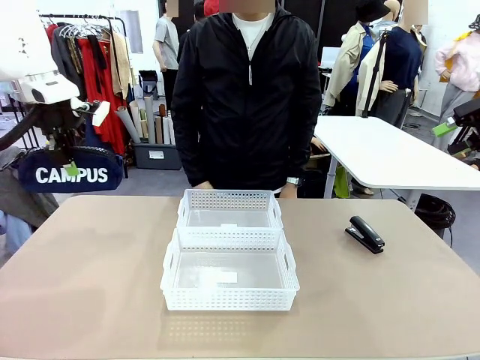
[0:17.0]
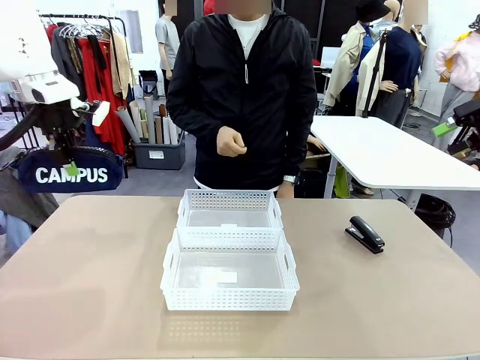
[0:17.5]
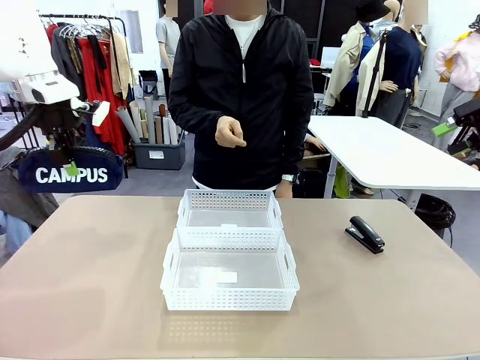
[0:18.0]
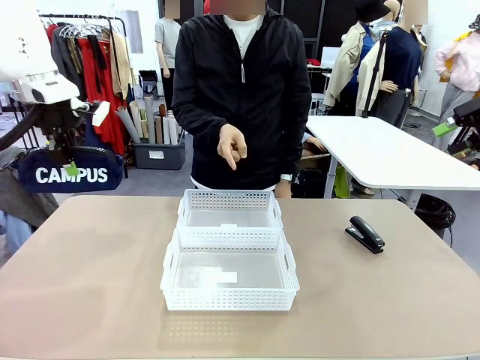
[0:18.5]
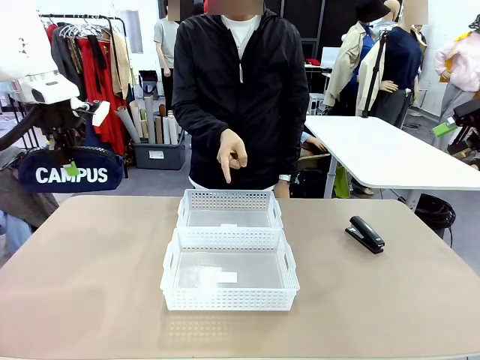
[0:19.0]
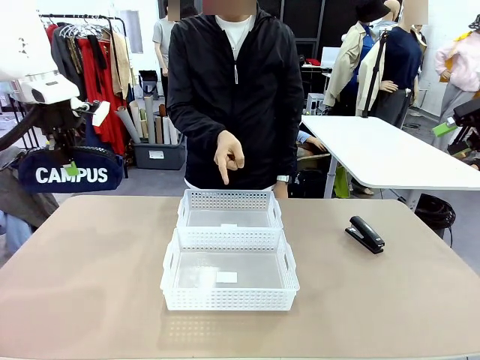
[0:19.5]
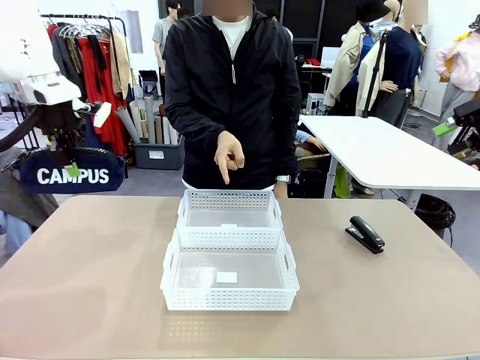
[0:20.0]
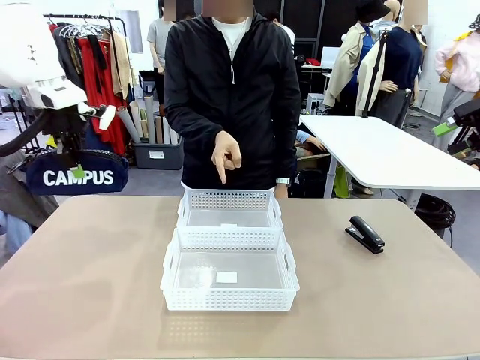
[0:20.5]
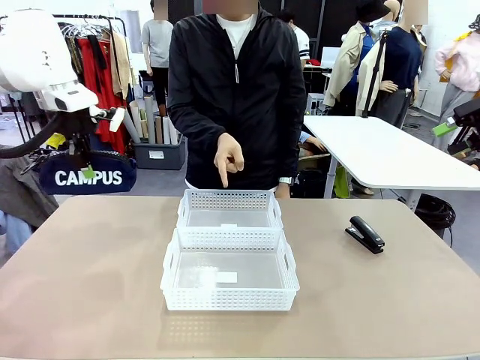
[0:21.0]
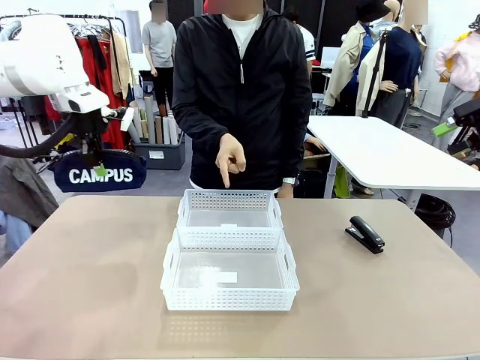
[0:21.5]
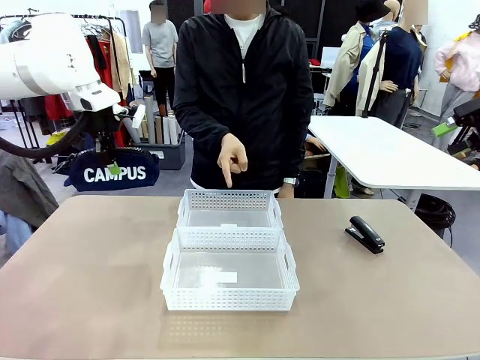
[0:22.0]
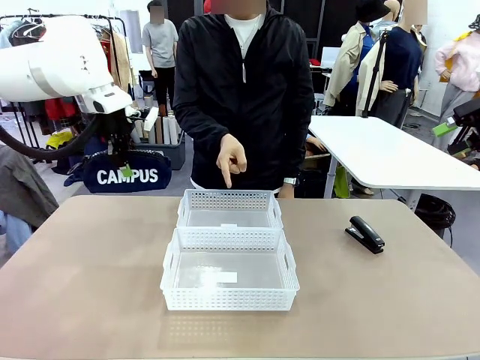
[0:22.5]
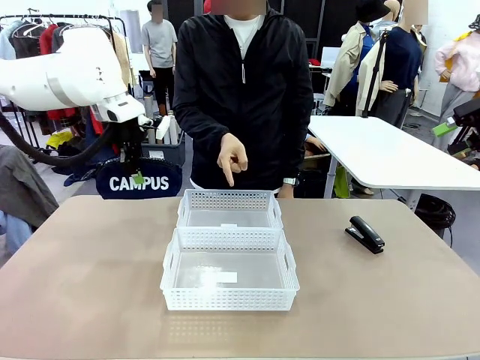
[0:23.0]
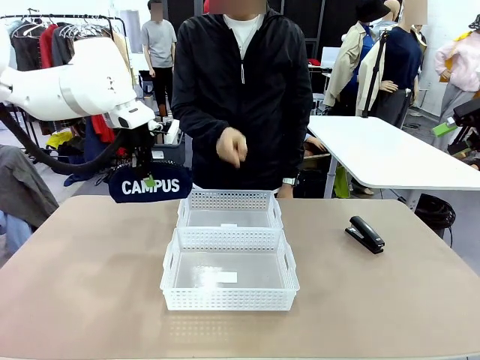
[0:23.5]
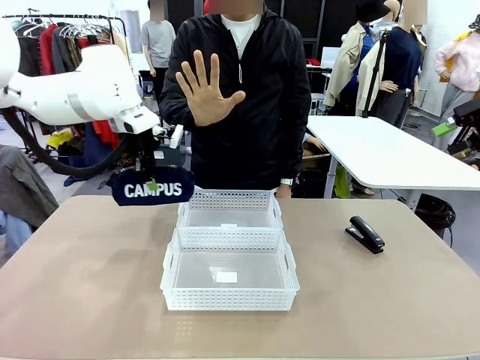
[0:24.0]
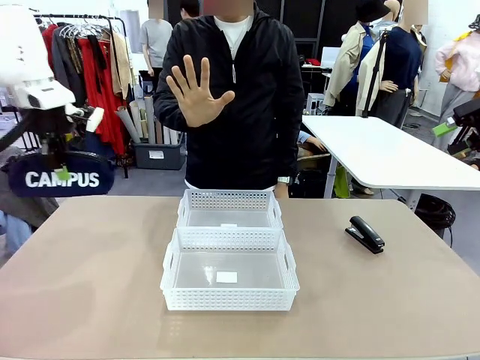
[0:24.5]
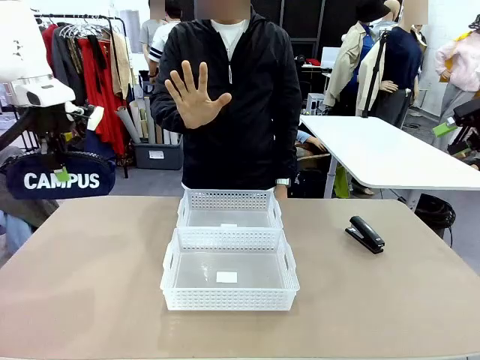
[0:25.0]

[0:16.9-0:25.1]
Task: Distribute items into two baskets.
Robot: Move the picked Pencil pouch towards the Organizing basket indicated by the person, stopping as directed.
Person: Sends a stop gesture before the robot places the pencil case into the basket.

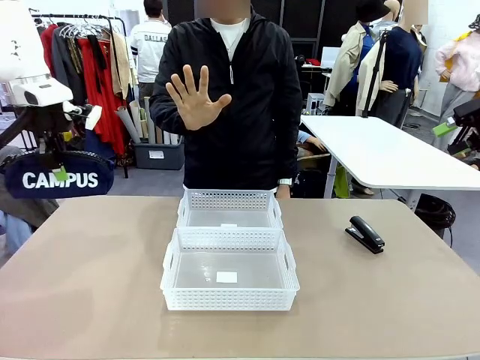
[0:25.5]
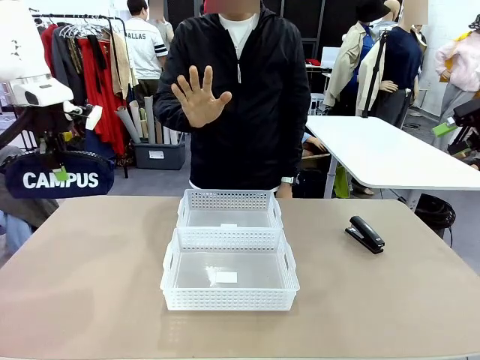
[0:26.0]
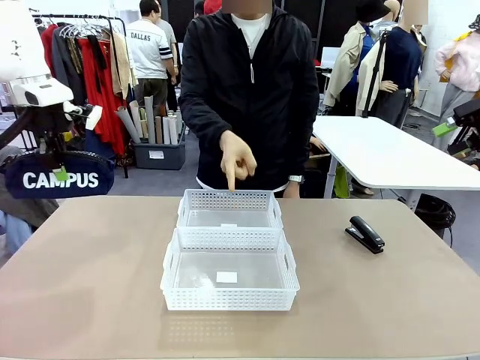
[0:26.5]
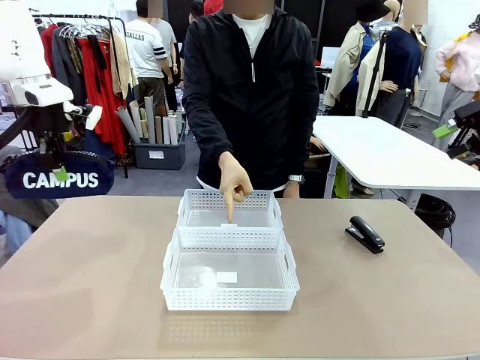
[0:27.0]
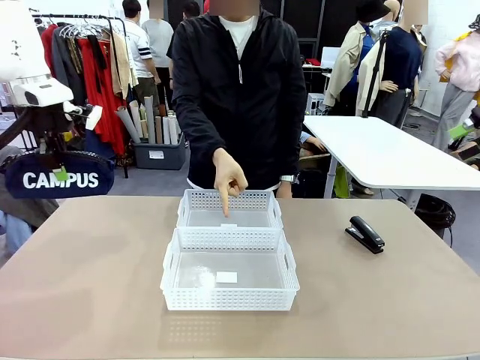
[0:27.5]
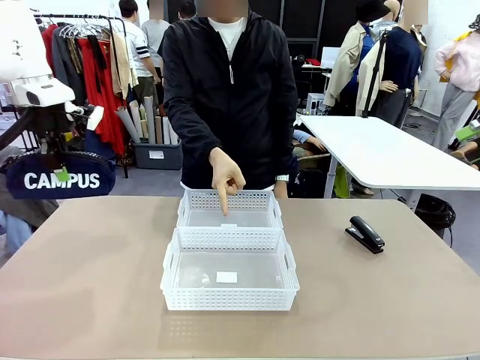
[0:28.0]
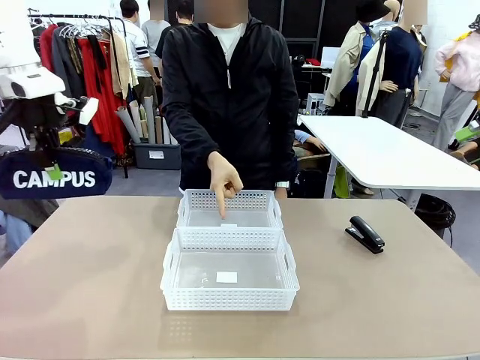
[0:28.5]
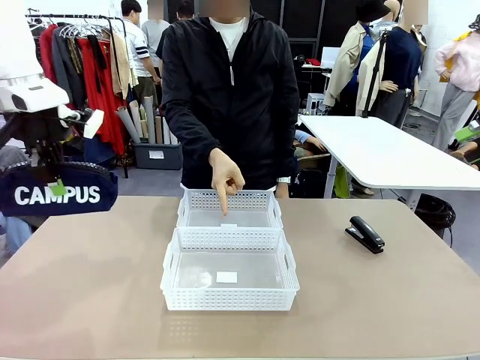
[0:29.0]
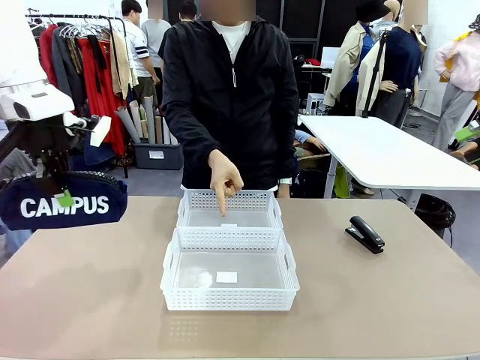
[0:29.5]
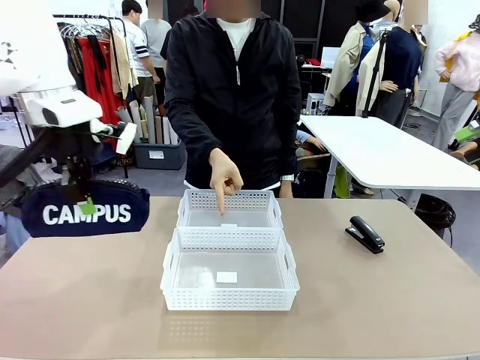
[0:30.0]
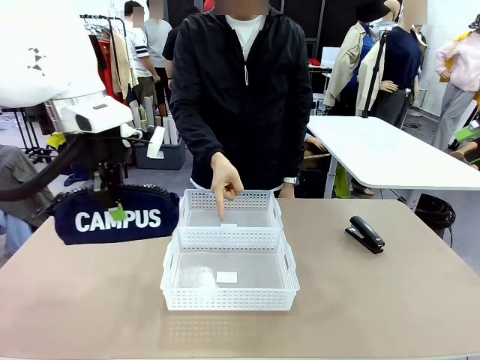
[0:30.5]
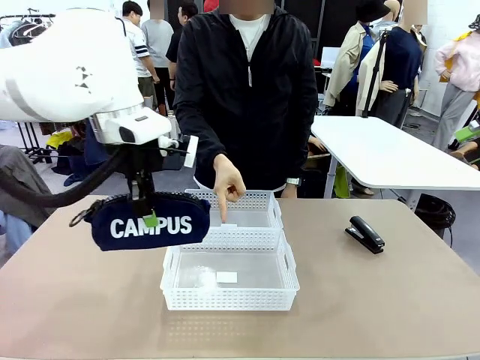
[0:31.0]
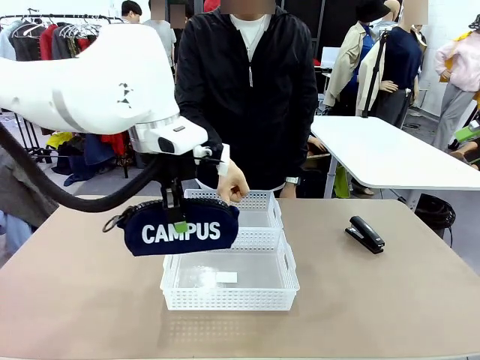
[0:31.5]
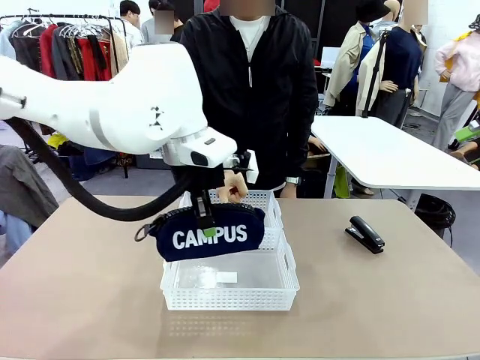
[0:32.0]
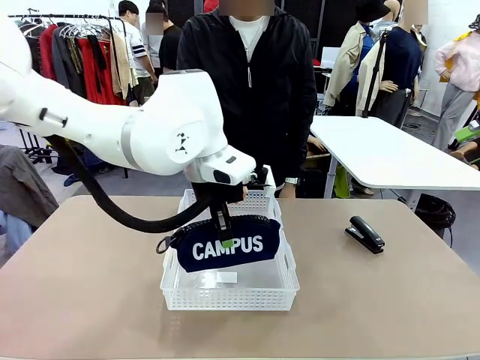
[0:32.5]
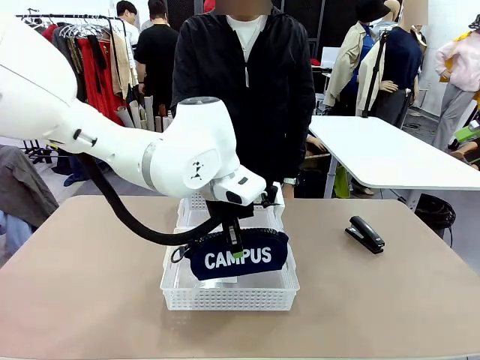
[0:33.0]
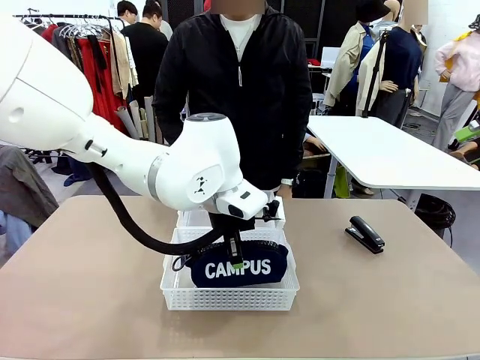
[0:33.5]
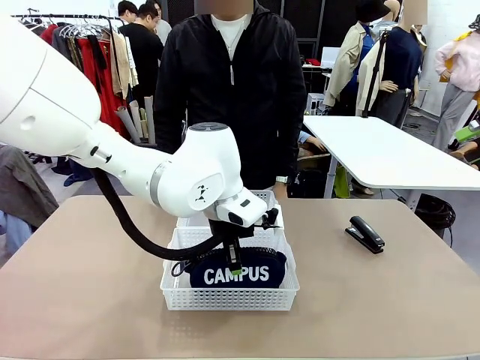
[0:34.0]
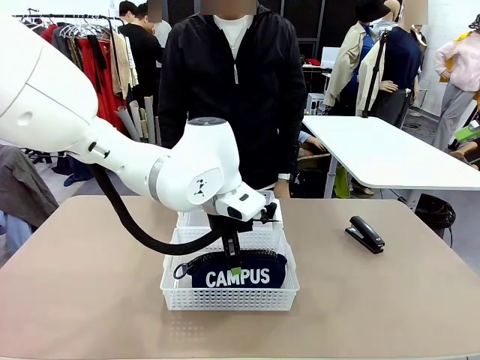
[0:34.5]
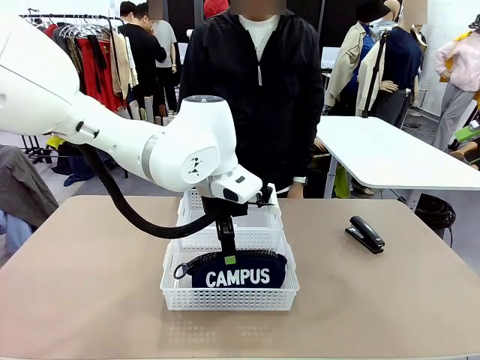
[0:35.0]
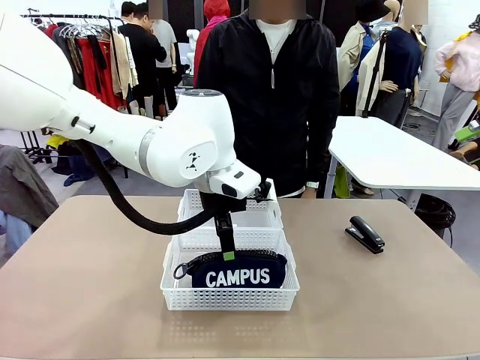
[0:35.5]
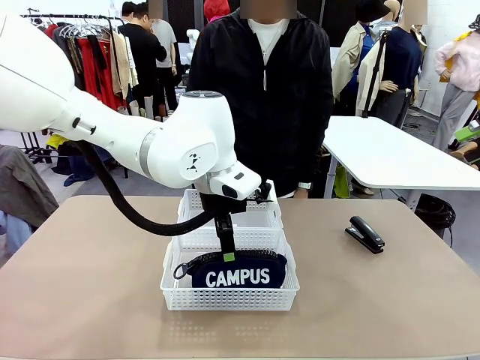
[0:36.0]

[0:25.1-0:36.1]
Robot: Place the picked Pencil pouch into the Organizing basket as instructed by the person.
Person: Instructs the robot to place the pencil case into the opposite basket. Points to the stapler.

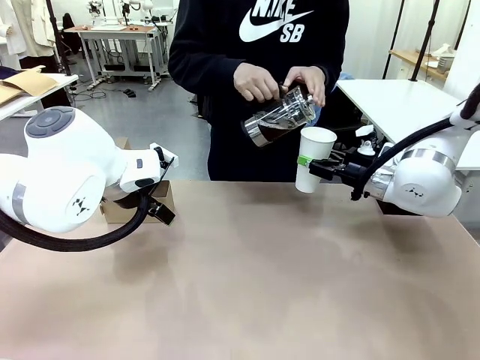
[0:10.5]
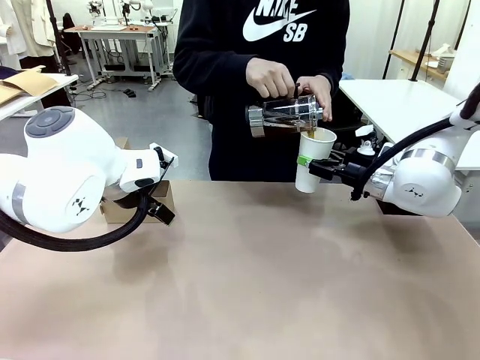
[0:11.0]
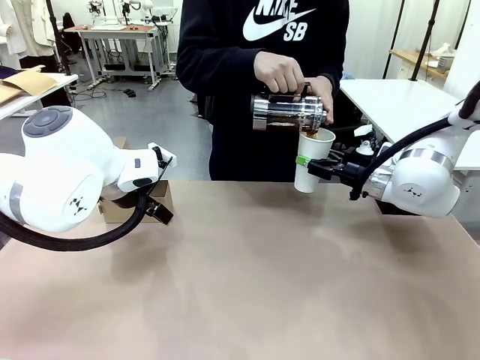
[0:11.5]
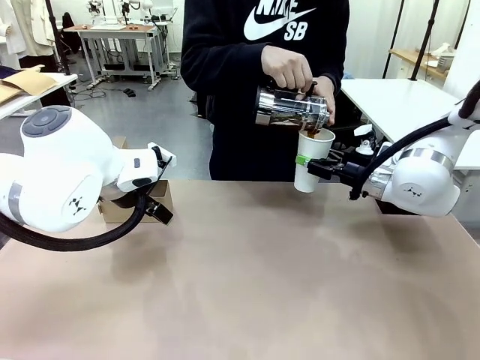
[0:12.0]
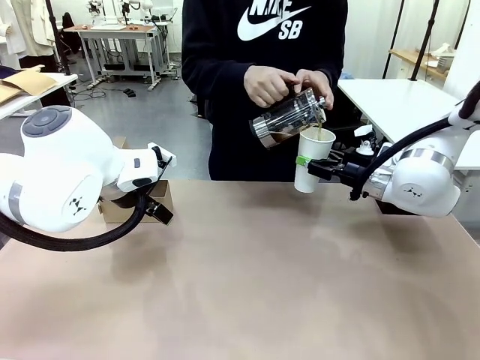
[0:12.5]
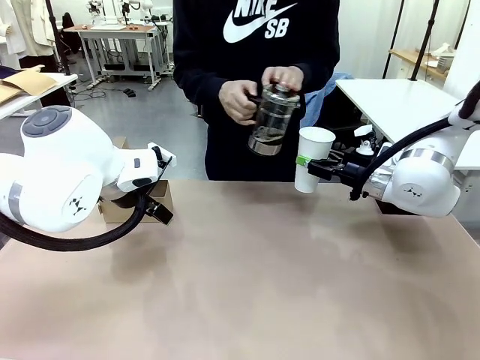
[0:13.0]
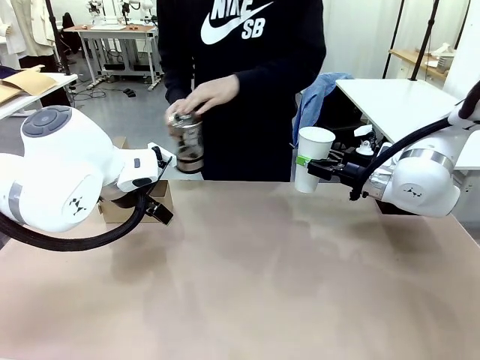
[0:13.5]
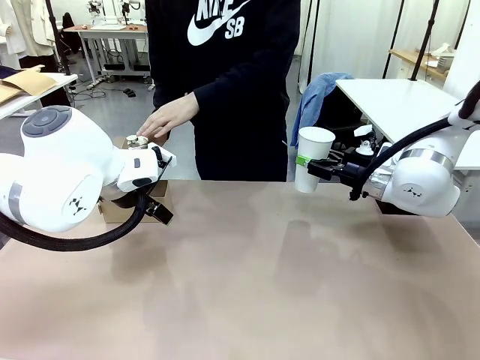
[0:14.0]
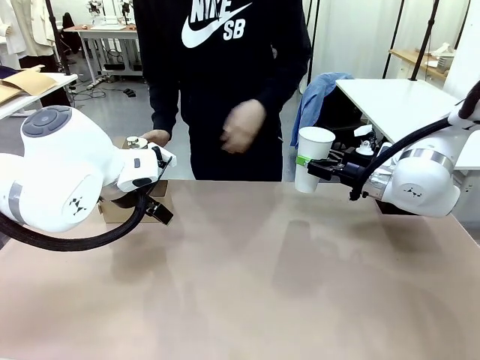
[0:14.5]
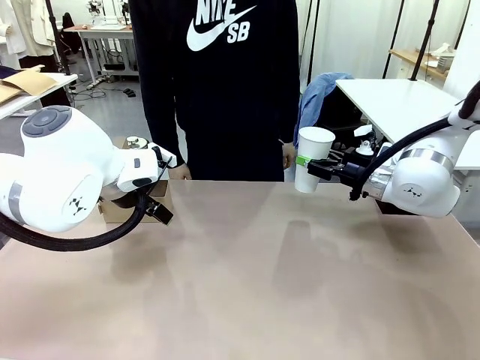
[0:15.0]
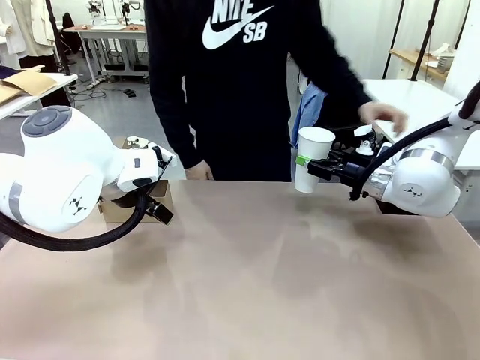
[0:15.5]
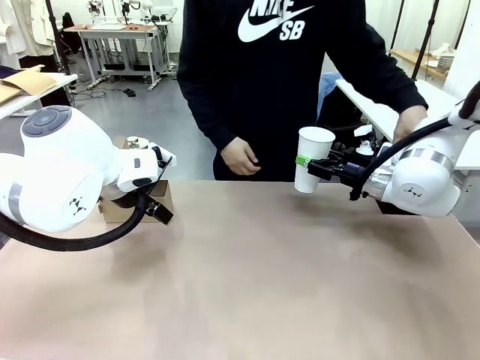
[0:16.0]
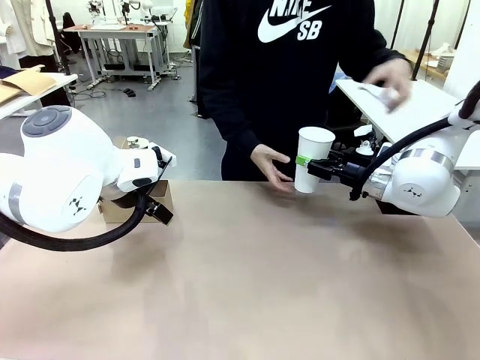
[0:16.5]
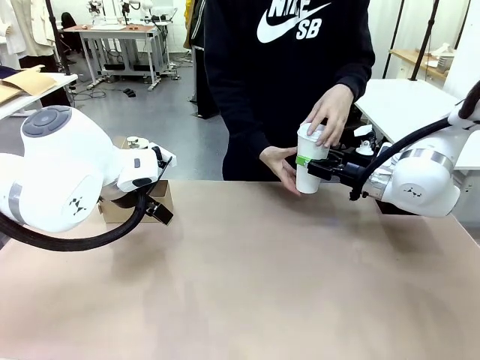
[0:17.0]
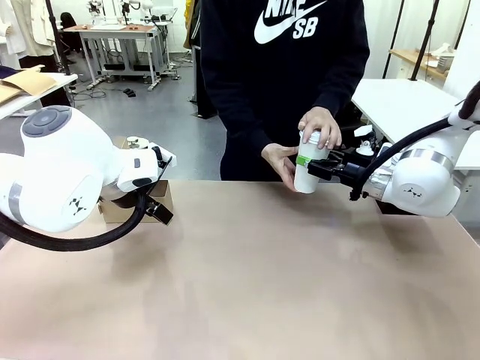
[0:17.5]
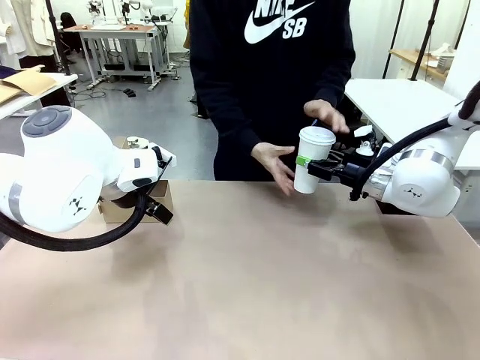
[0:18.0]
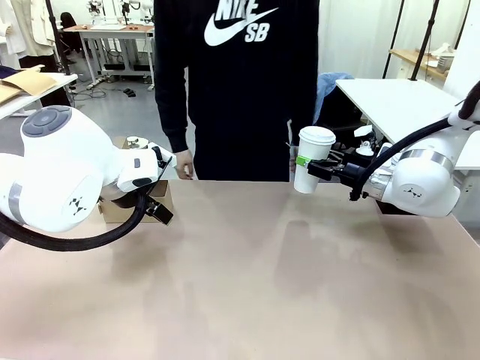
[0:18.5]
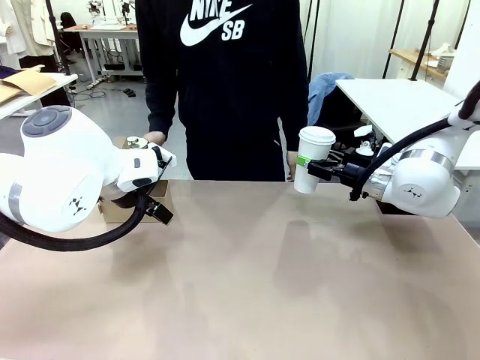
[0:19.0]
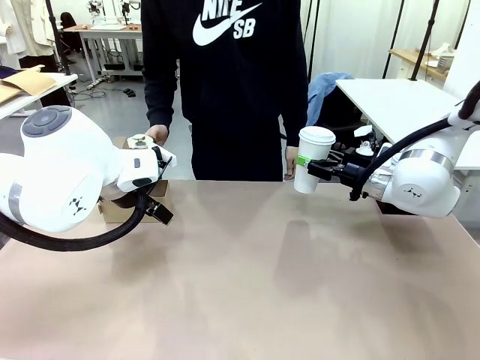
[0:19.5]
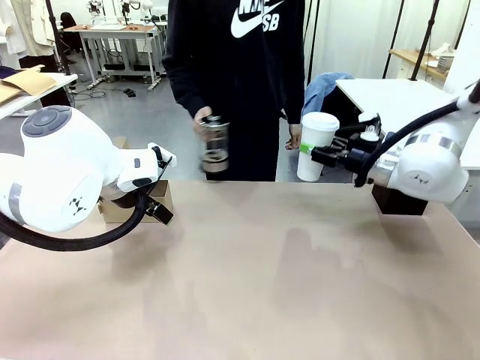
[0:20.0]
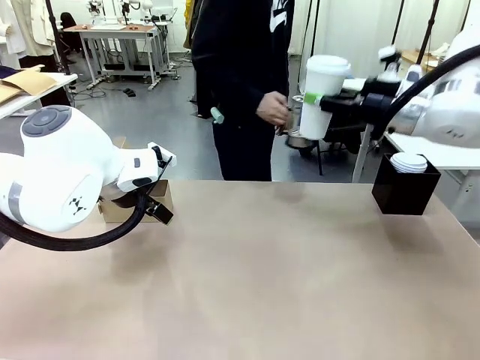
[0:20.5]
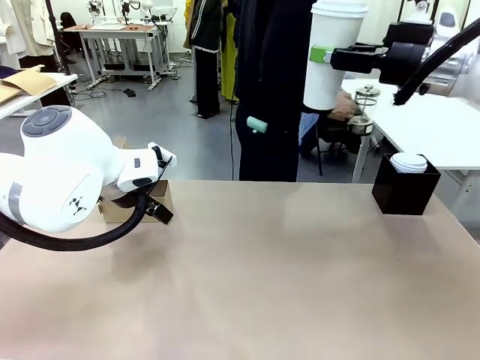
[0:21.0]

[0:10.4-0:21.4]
Task: Pour a drink into a cup and package it in a carrier.
Robot: When a person places the Paper Cup Lid on the 600 ml Paper Cup , lift the 600 ml Paper Cup.
Person: Pour the drink from the Filter Brewing into the 600 ml Paper Cup. Place a Paper Cup Lid on the 600 ml Paper Cup.
